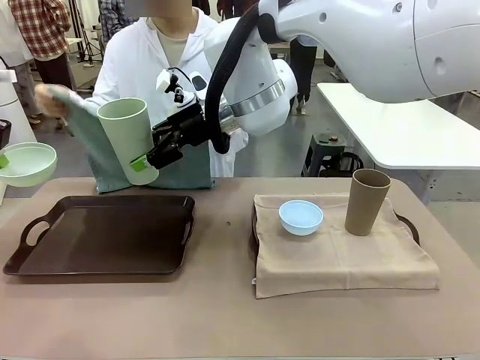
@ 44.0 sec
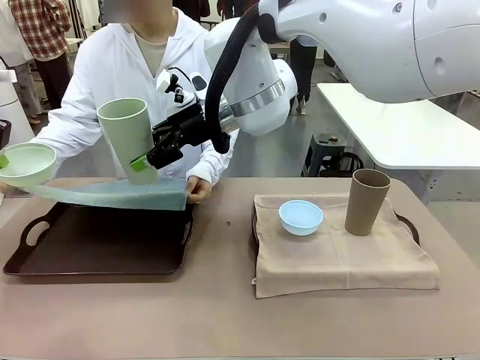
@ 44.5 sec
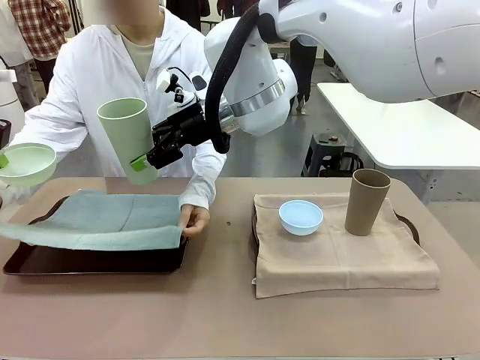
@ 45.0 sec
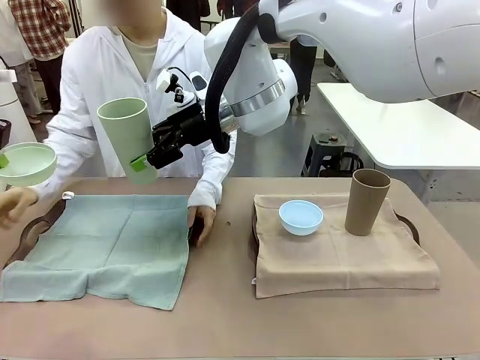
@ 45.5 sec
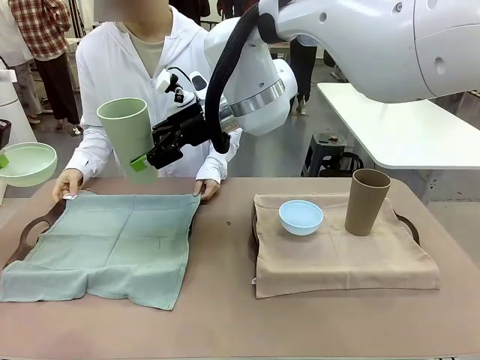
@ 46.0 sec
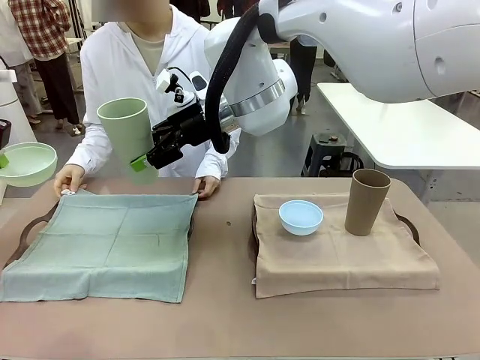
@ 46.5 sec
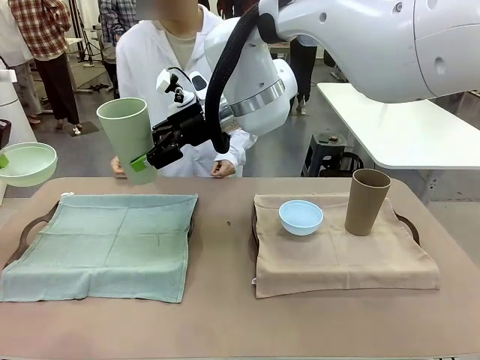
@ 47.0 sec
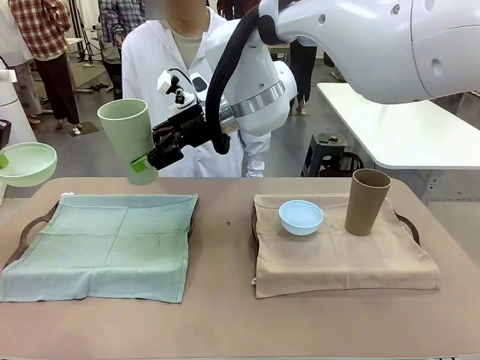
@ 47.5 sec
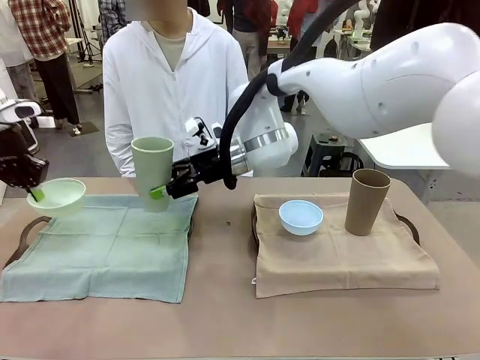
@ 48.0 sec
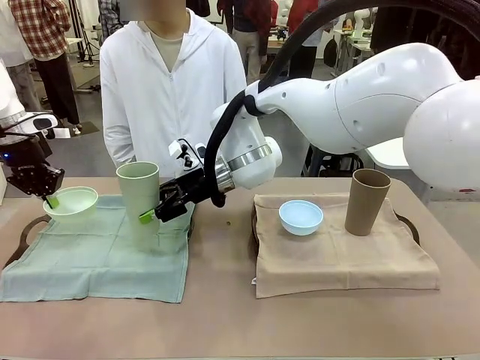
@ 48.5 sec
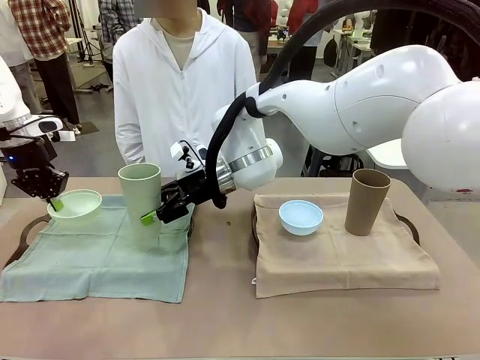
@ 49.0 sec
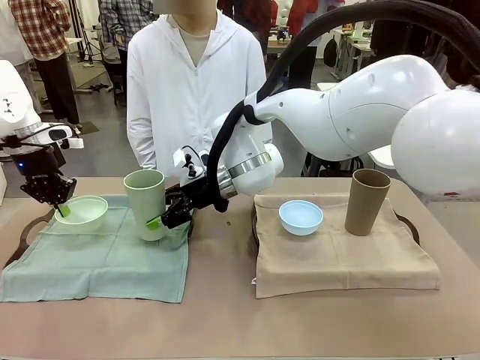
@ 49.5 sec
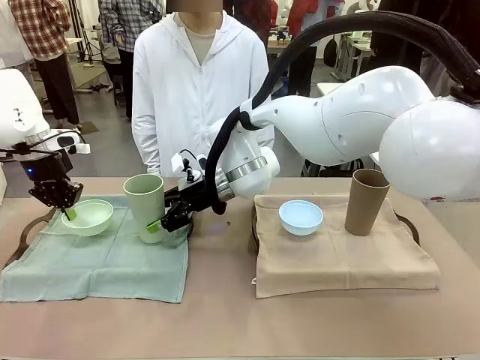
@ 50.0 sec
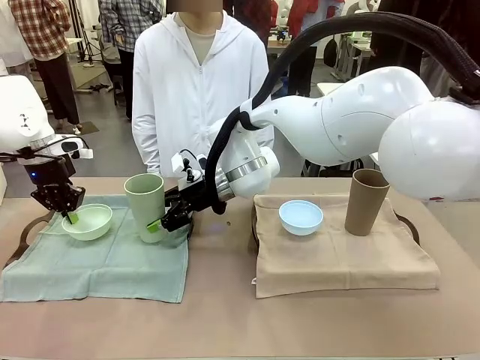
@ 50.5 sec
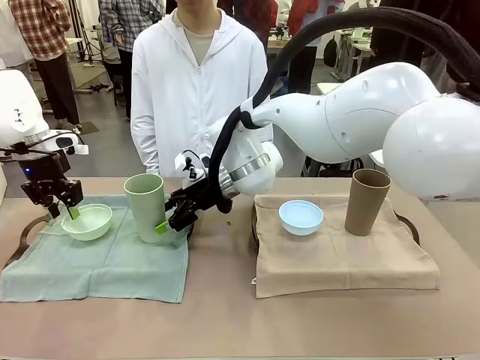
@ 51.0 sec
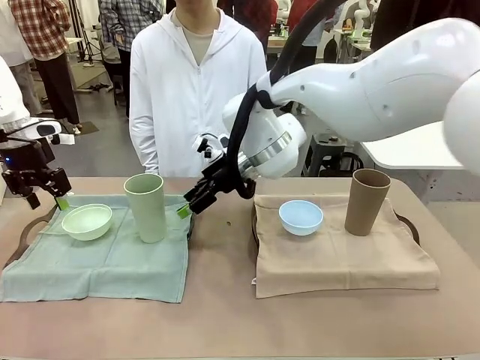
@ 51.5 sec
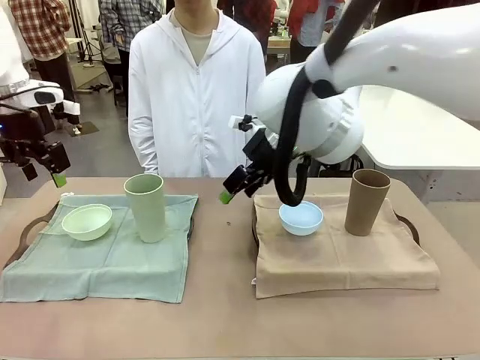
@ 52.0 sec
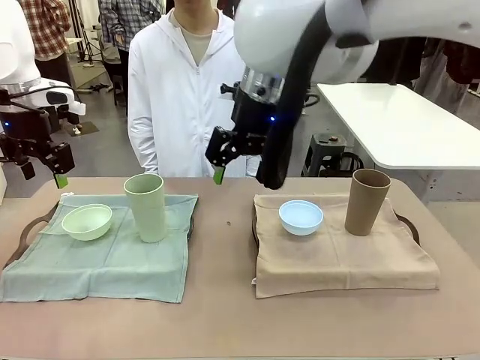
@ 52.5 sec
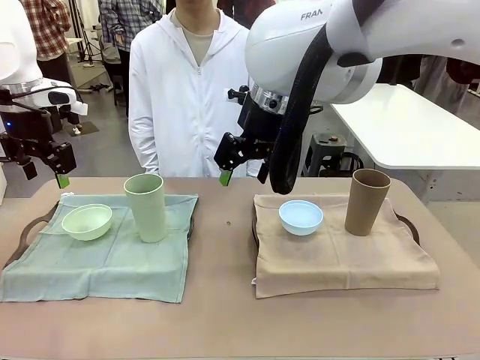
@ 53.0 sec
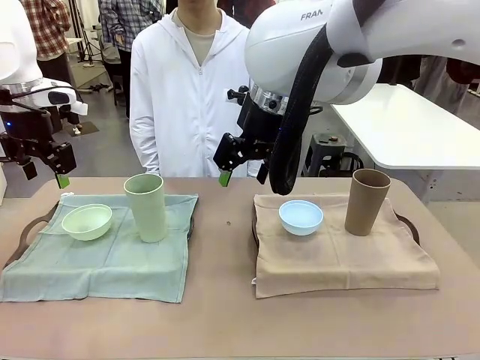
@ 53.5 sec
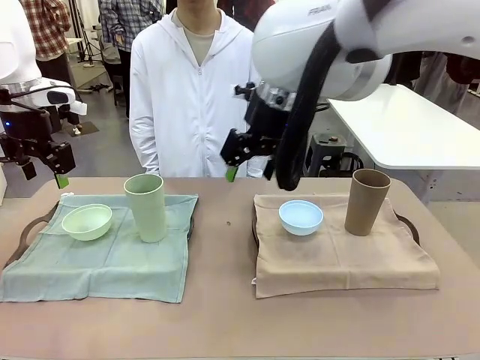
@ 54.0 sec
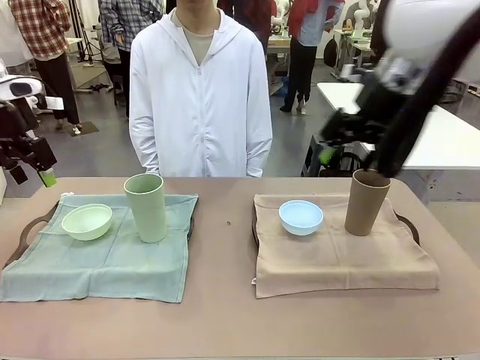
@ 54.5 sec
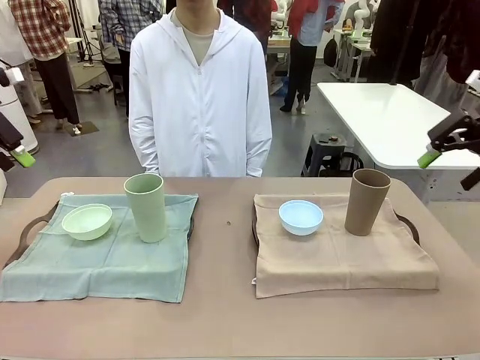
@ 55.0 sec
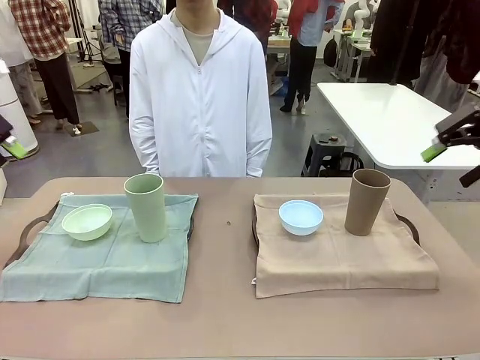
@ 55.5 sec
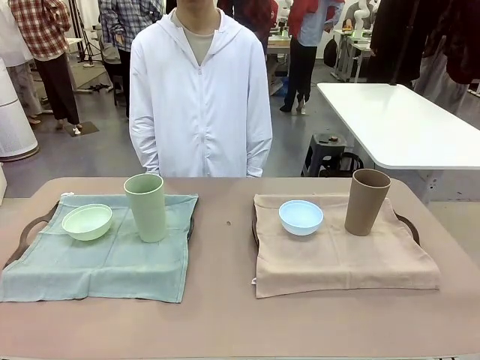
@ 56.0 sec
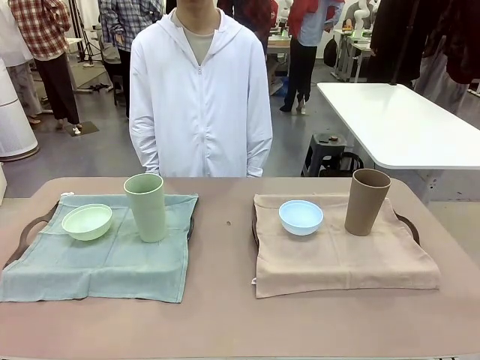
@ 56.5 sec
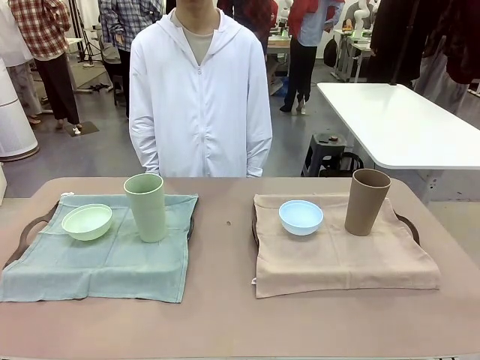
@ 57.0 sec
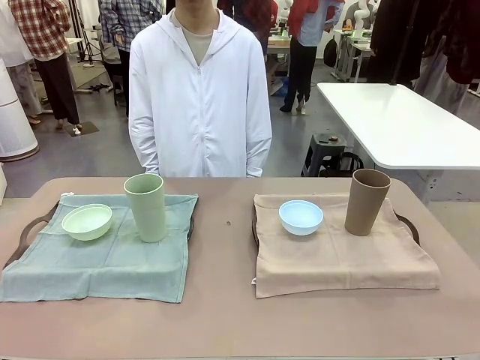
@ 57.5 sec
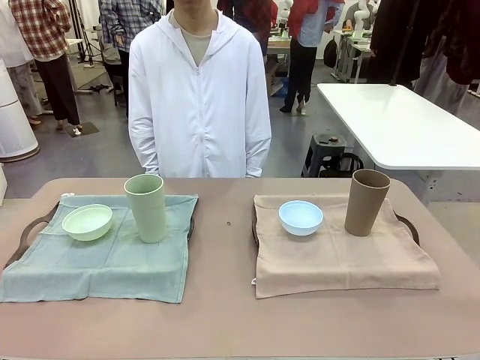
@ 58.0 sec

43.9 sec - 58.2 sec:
Robot: Place the Picnic Bowl and Reusable plastic cup back onto the Handle tray in front of the human's position.
Person: When the robot lifts the bowl and the cup, the human unfolds the napkin and lays the napkin flat on the tray.

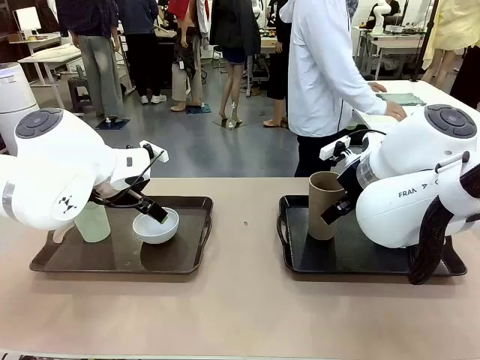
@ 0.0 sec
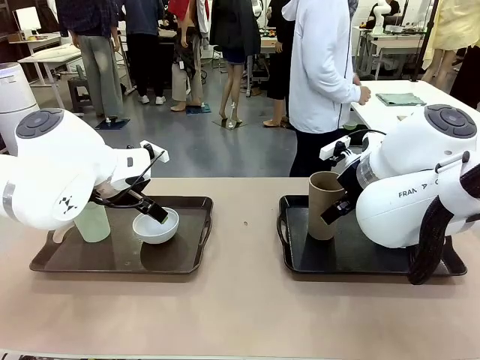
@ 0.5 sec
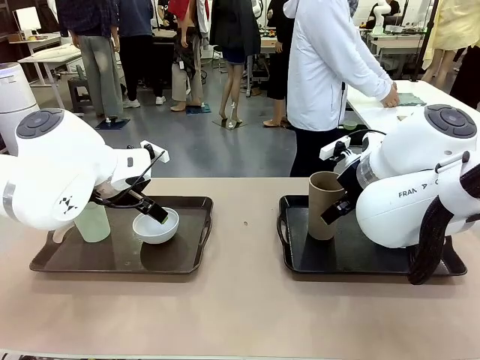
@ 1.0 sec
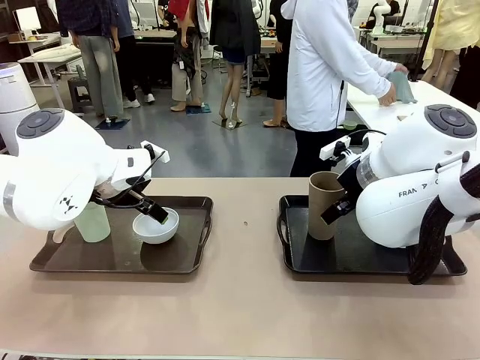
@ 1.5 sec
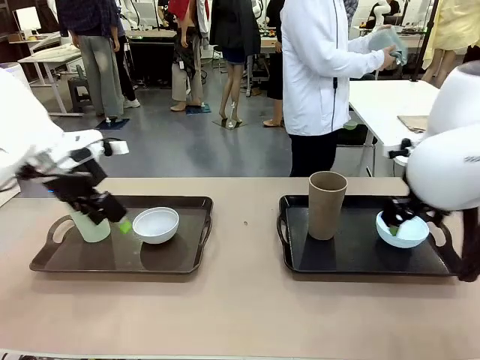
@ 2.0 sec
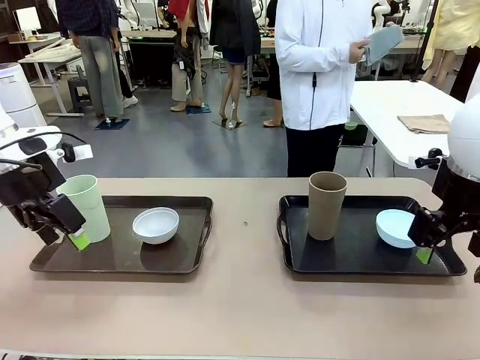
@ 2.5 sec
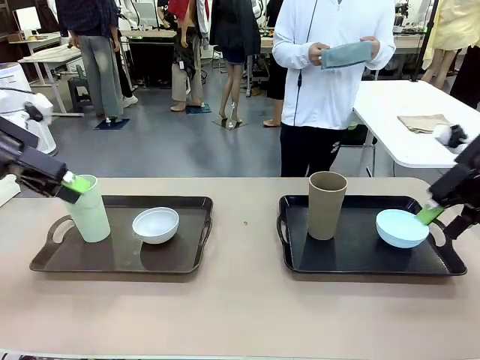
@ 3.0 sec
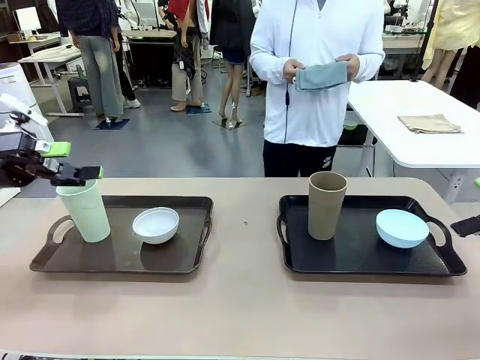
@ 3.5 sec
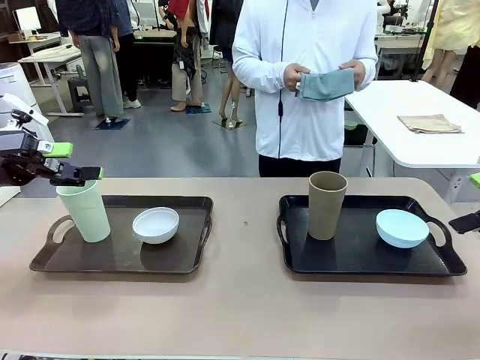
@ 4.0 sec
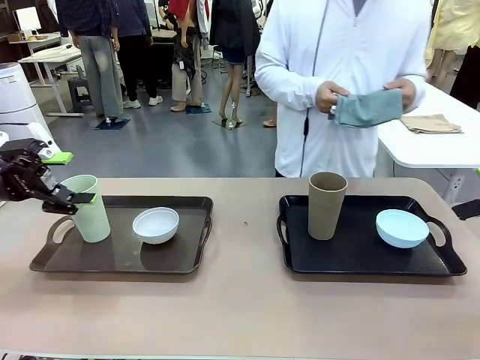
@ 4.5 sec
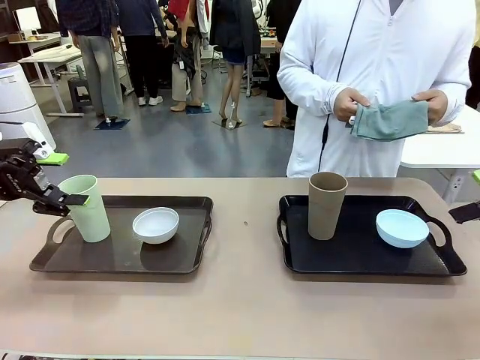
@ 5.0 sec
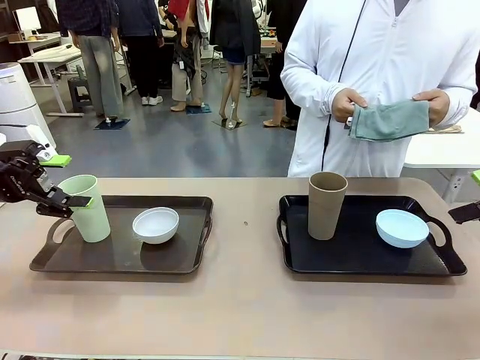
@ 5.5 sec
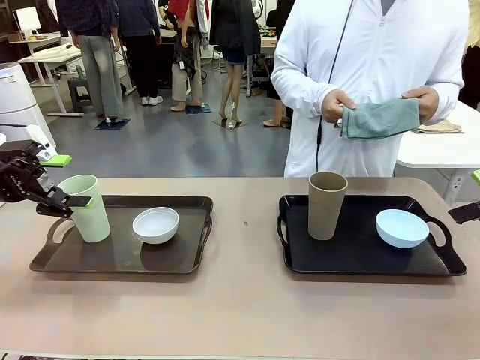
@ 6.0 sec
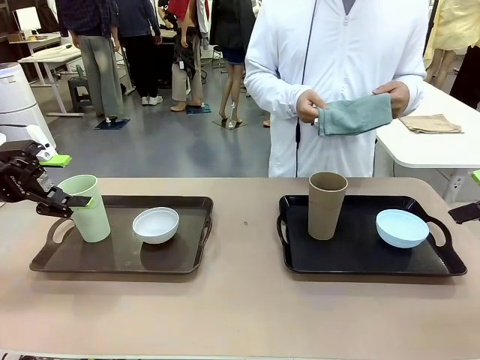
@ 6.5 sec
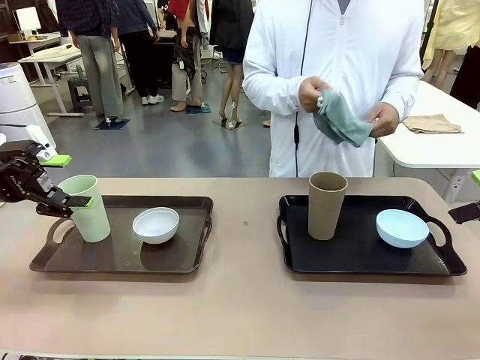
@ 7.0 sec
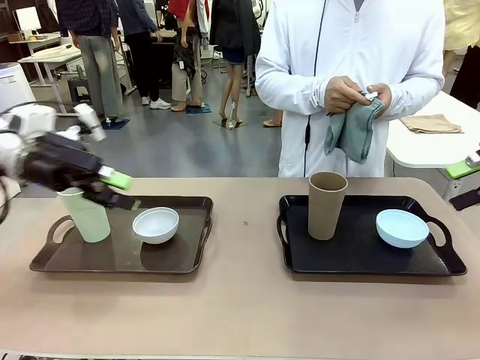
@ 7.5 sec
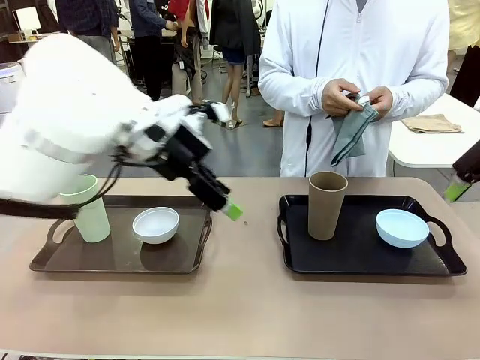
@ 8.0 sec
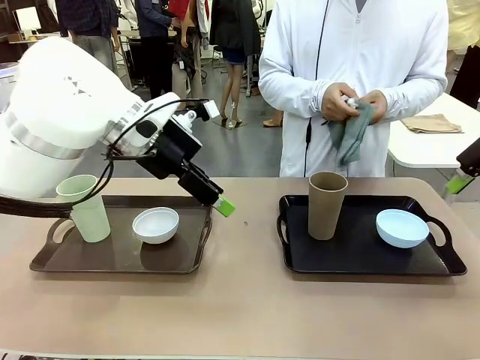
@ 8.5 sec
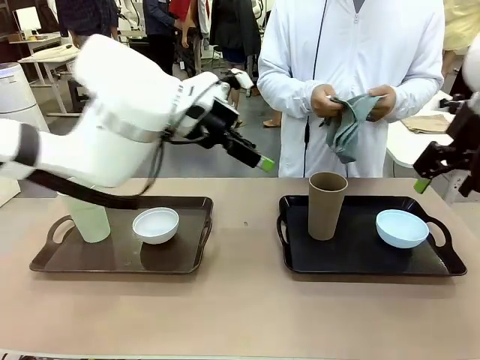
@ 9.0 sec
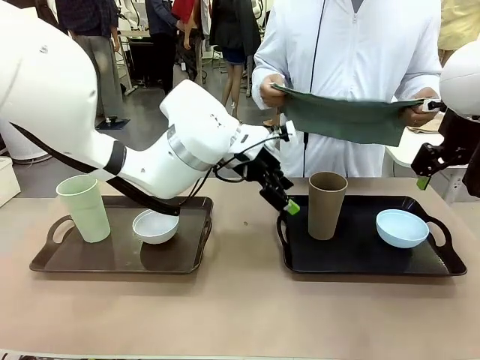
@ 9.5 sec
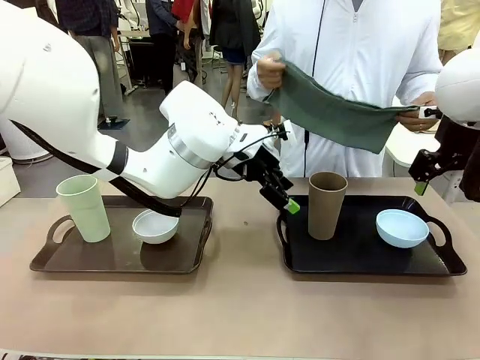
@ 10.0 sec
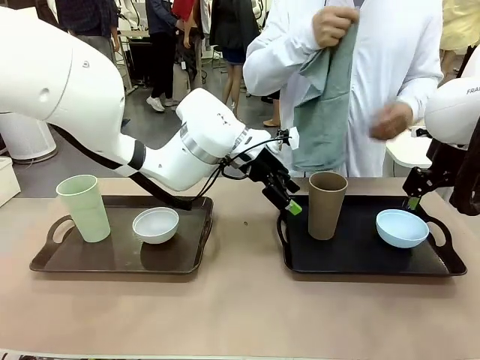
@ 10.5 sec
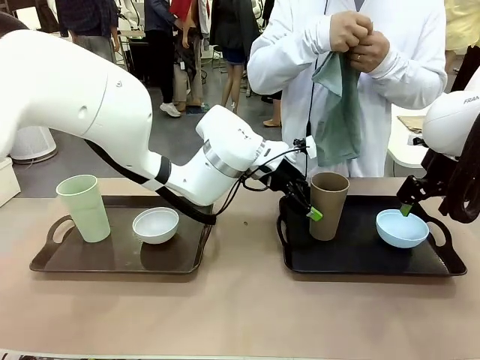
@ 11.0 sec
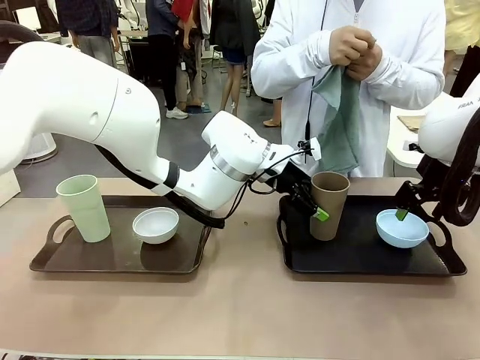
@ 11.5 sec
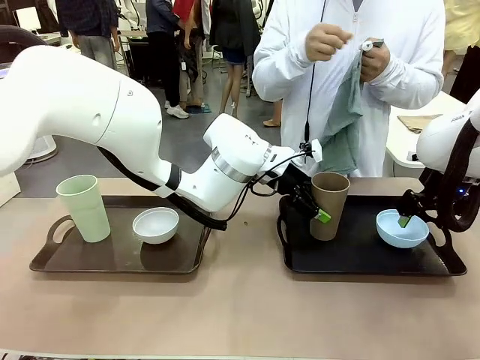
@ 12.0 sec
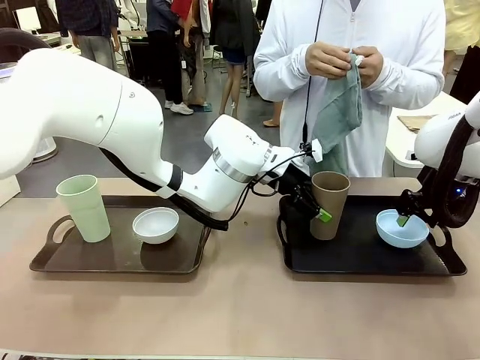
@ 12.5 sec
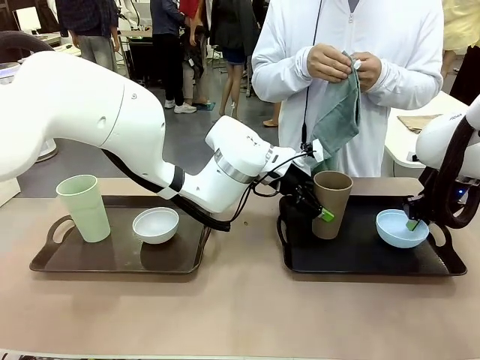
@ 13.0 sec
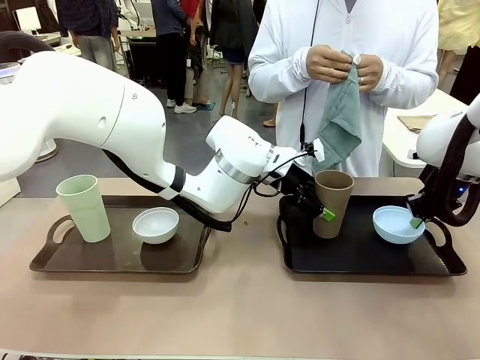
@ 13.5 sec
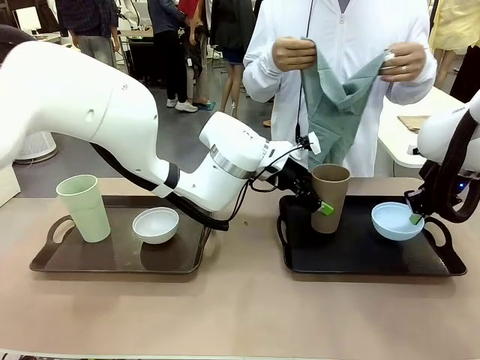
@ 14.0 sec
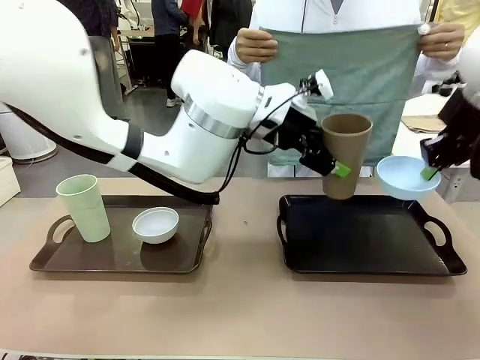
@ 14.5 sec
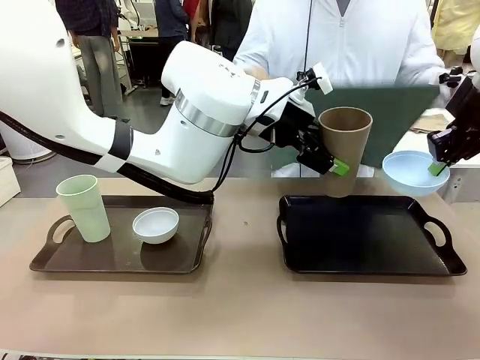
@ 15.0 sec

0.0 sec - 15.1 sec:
Robot: Pick up the Picnic Bowl and Reusable plastic cup from the Handle tray in front of the human's position and hold them in the air.
Person: The human picks up the top napkin from the stack on the human table and walks to the robot table to stand in front of one of the two trays. When the robot lifts the bowl and the cup, the human unfolds the napkin and lays the napkin flat on the tray.
